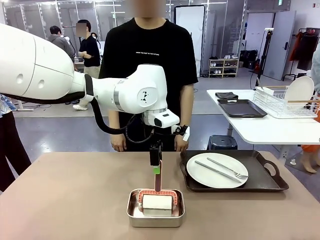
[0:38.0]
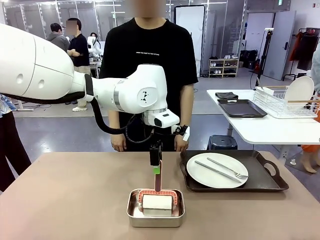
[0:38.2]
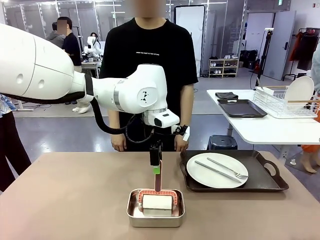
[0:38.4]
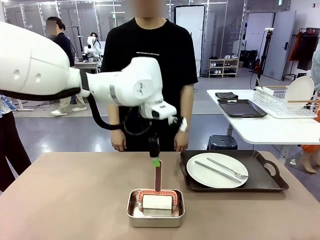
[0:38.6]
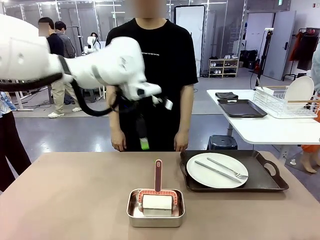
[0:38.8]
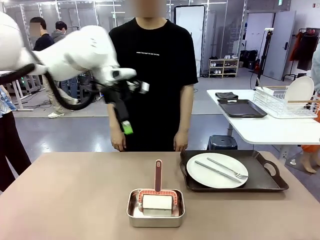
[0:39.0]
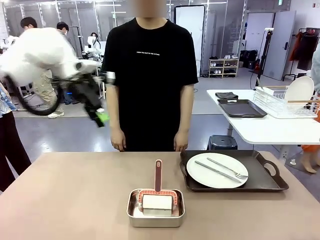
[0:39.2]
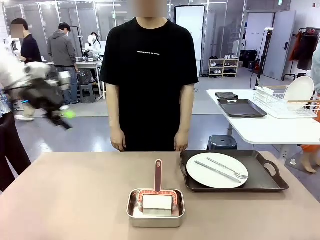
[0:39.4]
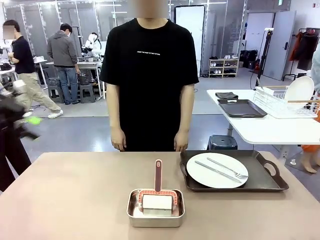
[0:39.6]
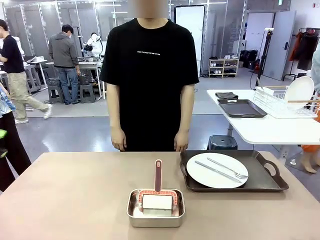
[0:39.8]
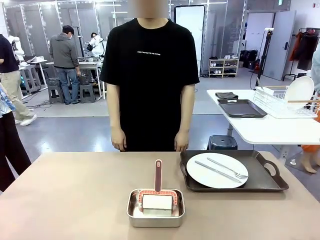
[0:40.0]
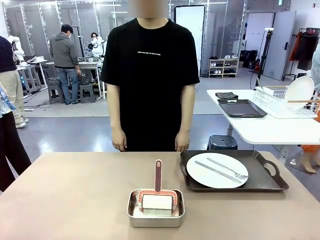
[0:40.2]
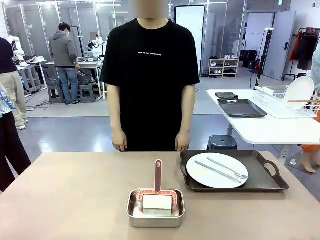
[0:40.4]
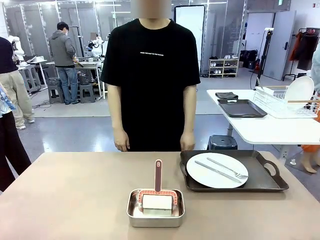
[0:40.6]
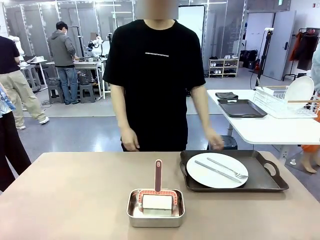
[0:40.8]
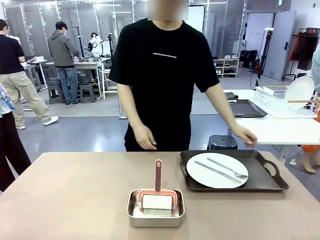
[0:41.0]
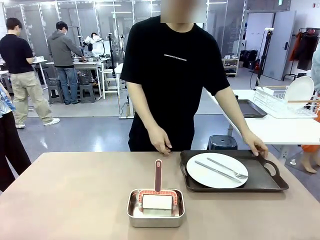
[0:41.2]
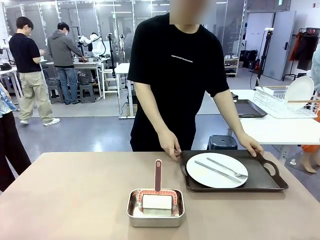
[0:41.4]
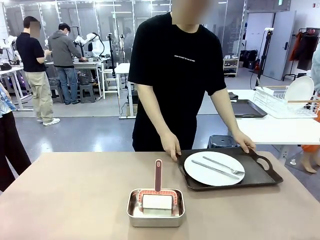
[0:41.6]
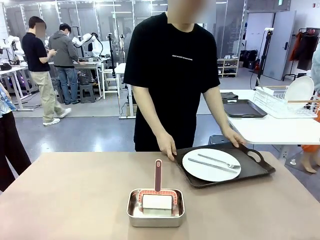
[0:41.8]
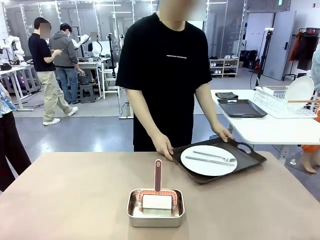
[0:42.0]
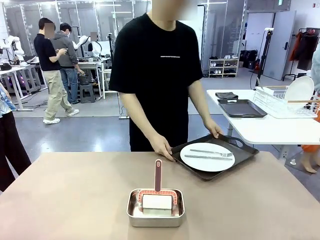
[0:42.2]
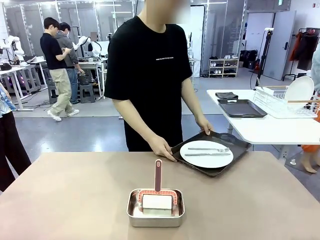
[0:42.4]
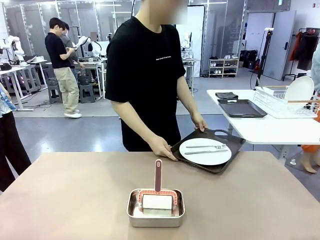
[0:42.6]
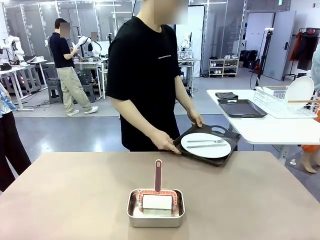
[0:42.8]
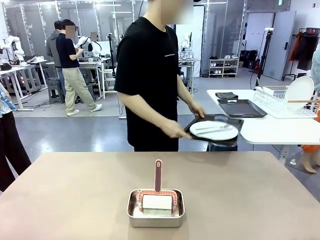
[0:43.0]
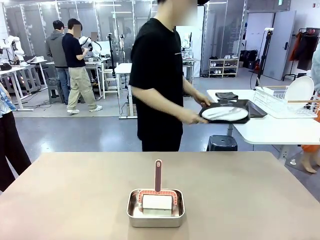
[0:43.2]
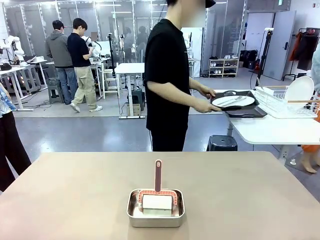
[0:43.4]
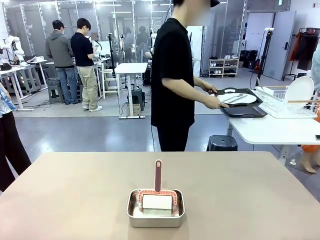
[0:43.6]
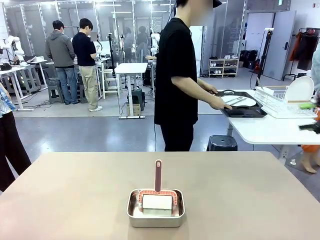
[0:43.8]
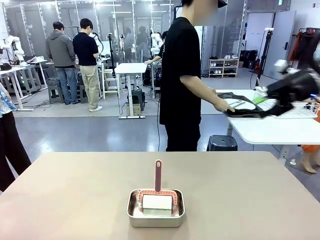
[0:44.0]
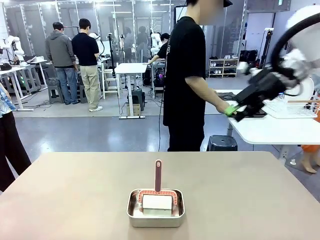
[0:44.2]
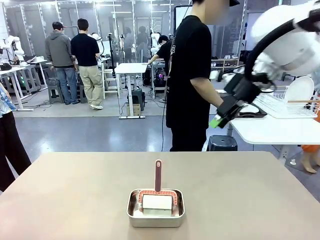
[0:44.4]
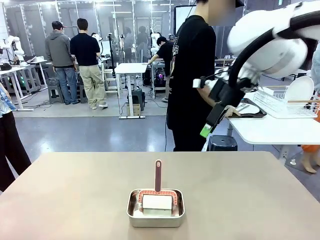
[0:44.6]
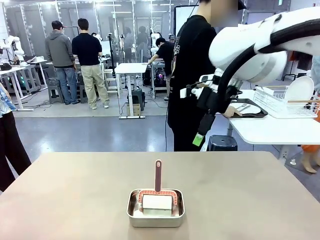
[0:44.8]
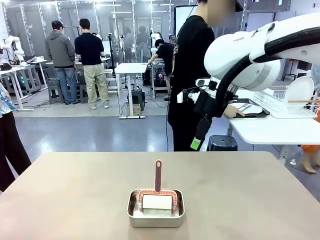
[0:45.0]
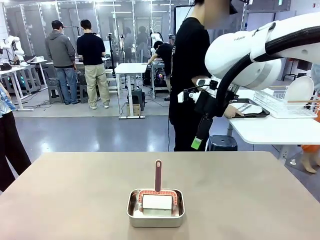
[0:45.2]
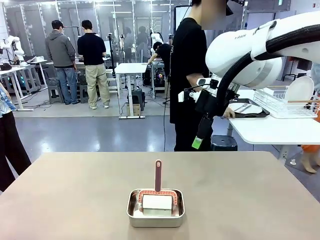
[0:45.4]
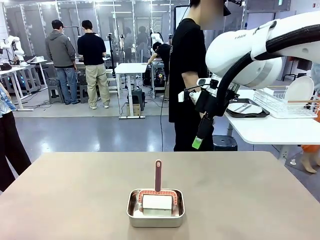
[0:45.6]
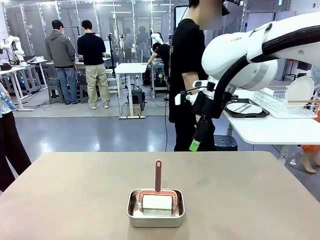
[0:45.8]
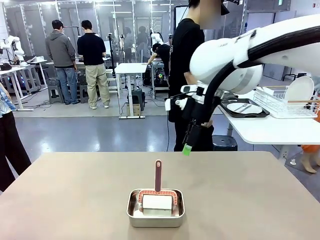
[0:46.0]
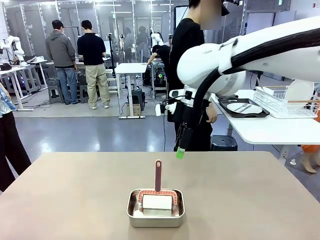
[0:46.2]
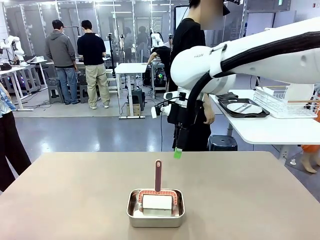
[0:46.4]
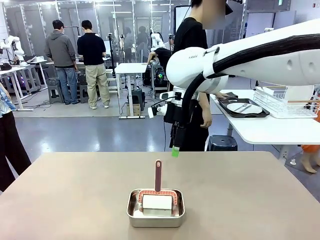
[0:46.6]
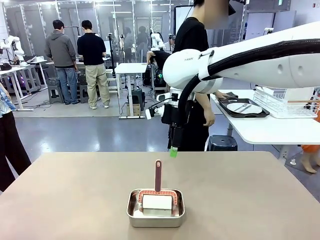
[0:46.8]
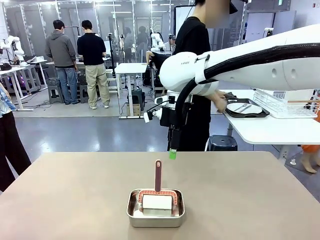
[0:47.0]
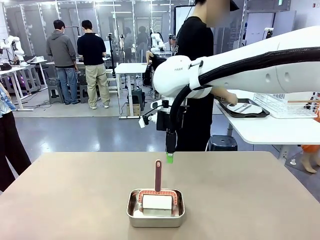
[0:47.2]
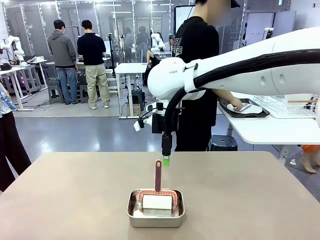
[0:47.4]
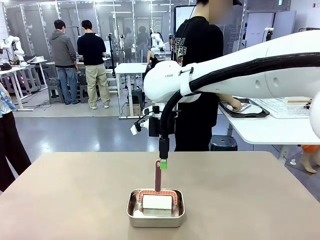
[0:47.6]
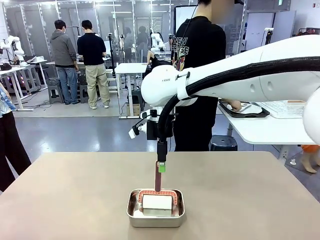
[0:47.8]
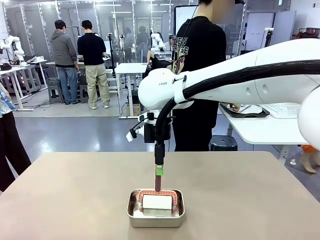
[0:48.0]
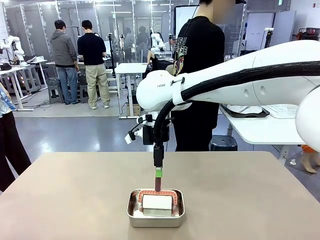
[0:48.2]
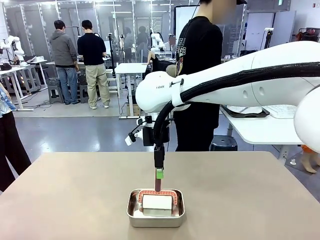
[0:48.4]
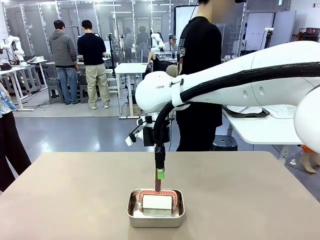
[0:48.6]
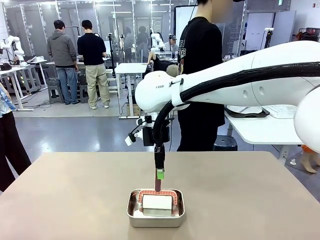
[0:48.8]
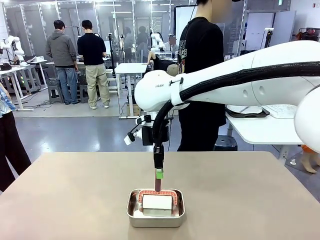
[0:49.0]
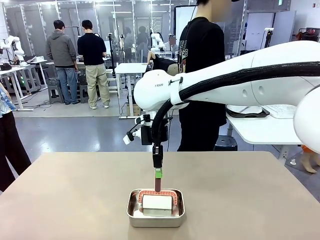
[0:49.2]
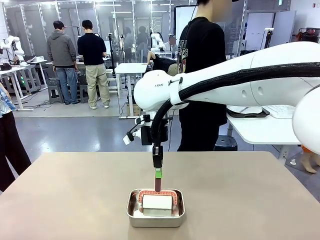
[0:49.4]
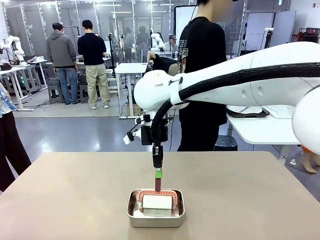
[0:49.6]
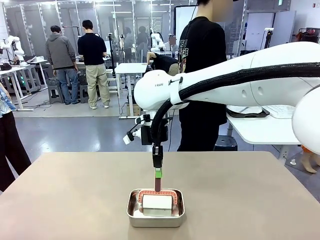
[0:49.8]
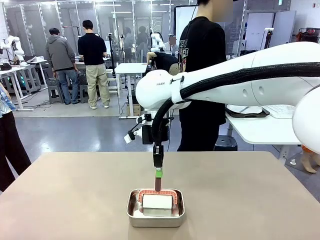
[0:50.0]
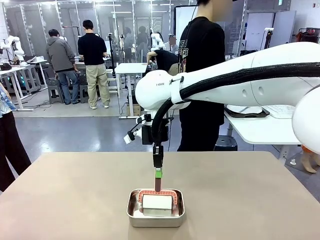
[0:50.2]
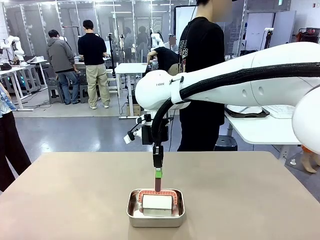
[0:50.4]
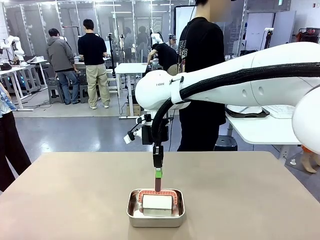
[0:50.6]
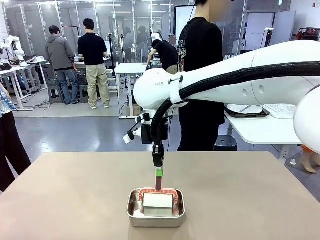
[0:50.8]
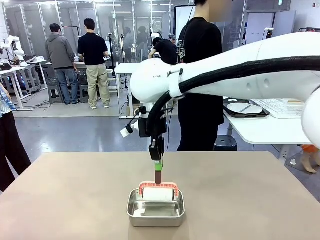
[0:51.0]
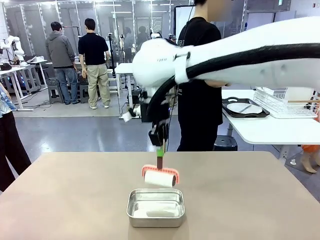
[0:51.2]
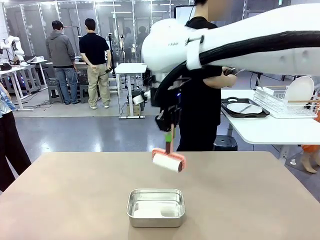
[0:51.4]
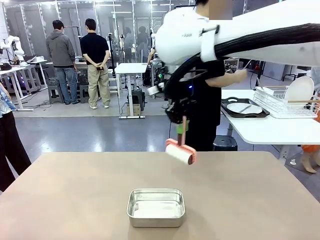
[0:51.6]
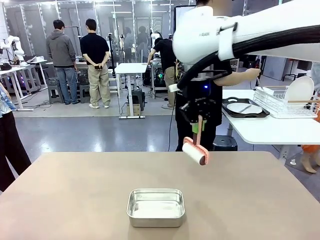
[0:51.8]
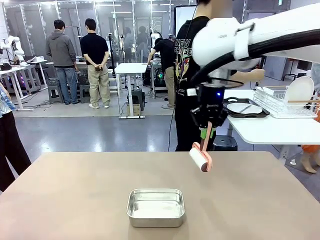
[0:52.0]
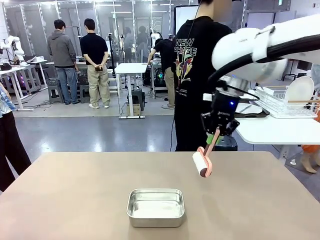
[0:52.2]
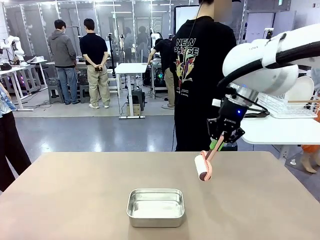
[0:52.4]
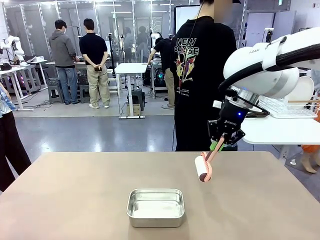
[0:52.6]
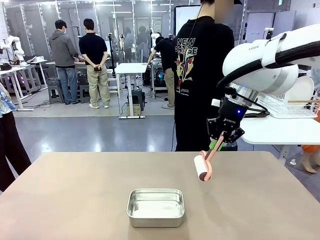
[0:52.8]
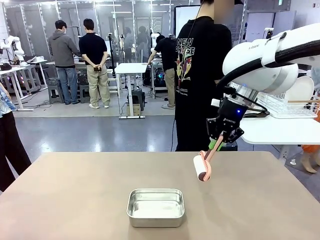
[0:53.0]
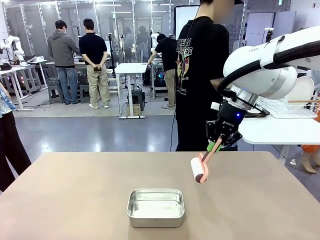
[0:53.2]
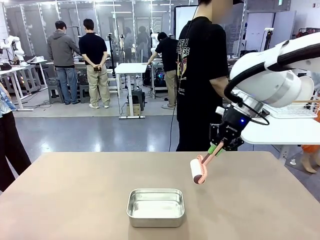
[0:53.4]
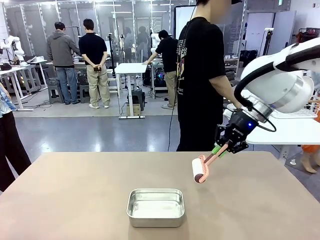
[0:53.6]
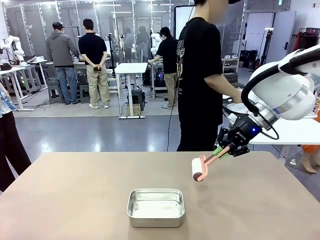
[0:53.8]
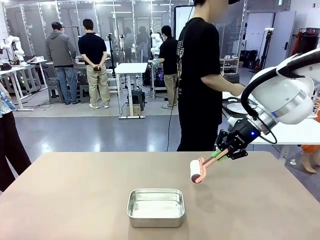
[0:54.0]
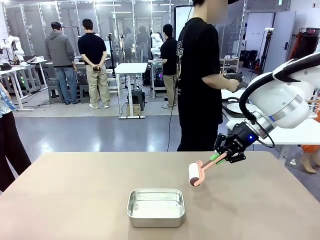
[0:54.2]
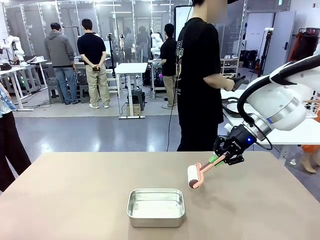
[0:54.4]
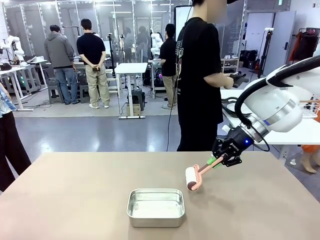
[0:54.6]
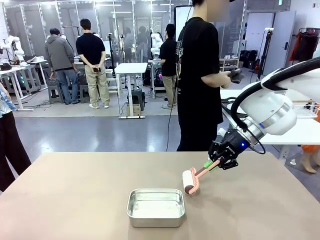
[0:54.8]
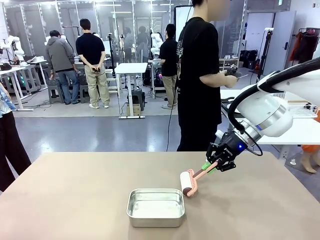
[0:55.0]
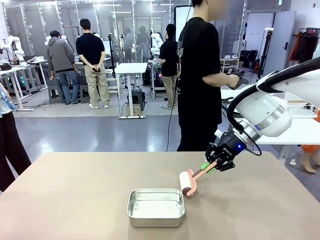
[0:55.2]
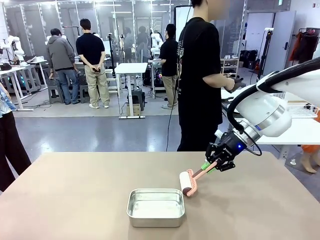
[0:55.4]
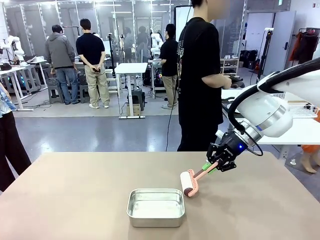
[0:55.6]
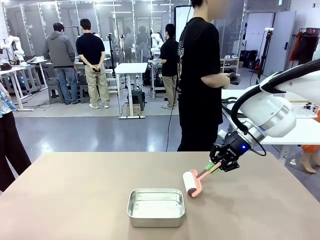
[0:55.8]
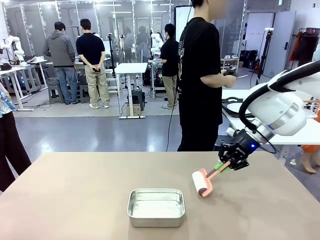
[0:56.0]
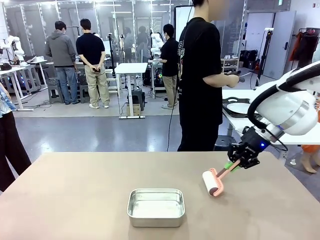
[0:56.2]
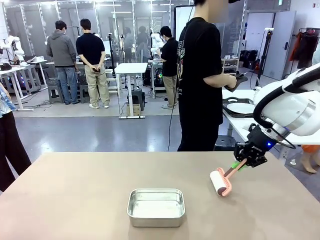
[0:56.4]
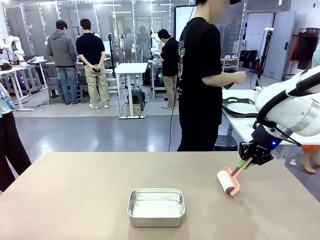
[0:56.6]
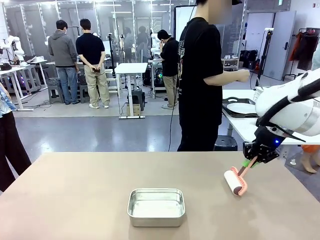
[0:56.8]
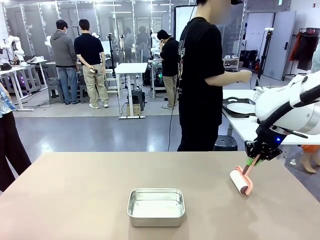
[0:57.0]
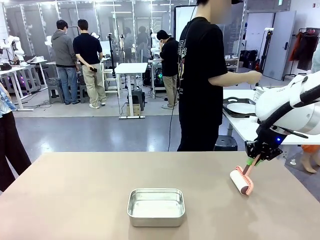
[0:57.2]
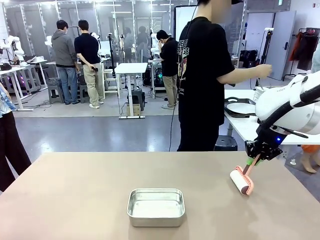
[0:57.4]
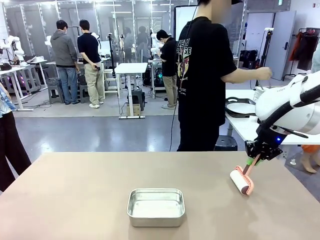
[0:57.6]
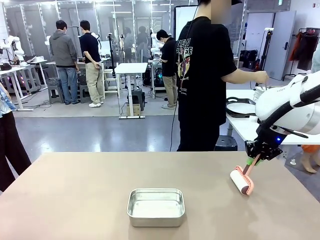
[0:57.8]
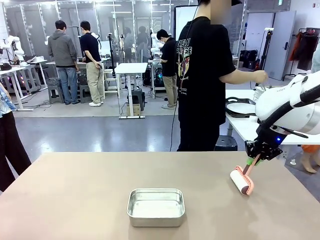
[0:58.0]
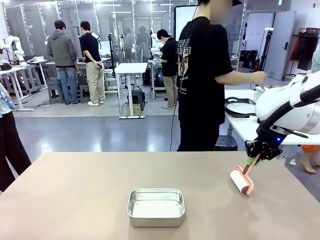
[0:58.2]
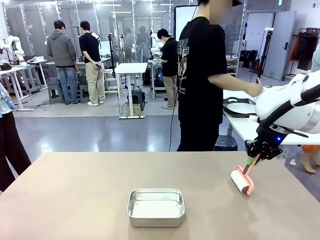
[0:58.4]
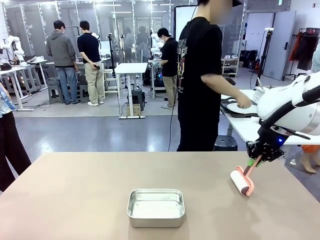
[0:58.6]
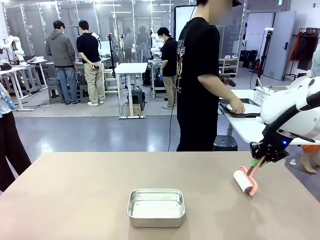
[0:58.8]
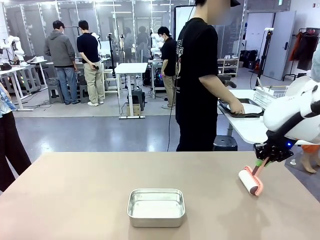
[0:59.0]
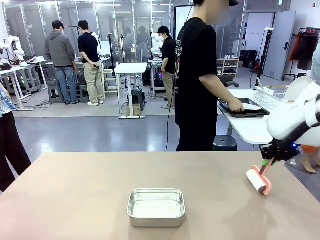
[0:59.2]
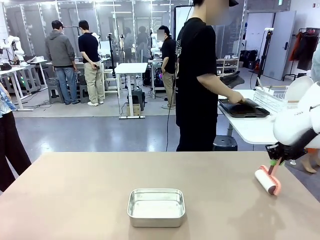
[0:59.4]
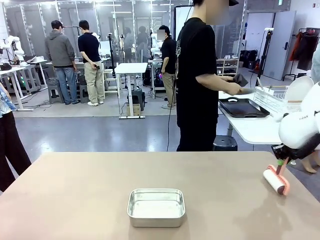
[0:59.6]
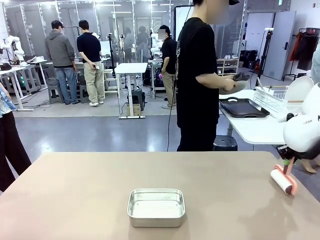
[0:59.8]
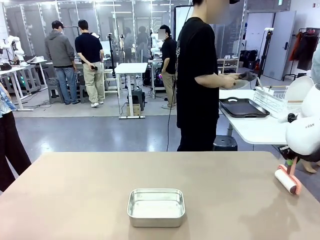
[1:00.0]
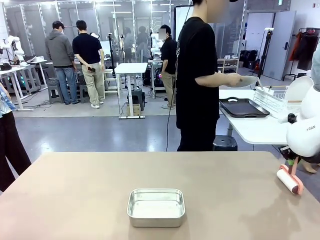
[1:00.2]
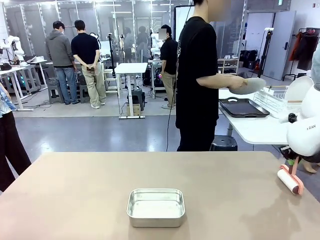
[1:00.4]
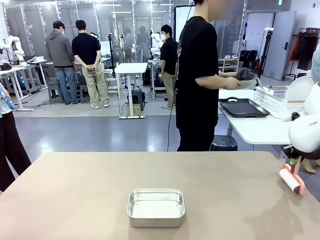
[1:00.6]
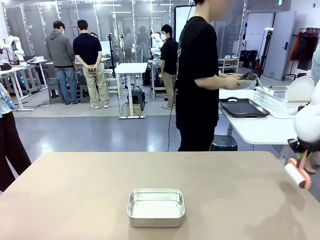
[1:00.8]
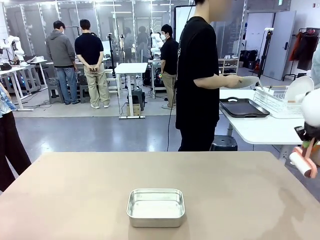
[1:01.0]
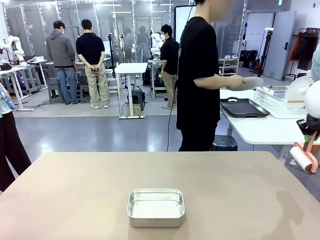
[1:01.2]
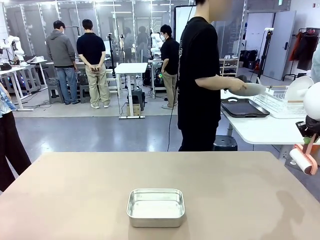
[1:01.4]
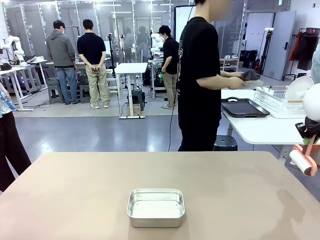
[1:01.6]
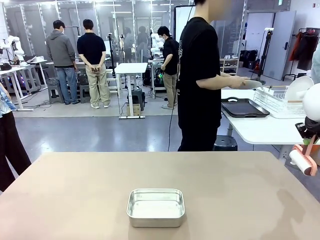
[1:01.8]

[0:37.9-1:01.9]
Robot: When the right (or left) Handle tray is removed, use the right hand (or left hand) to clean the right (or left) side of the table with the Lint Roller.
